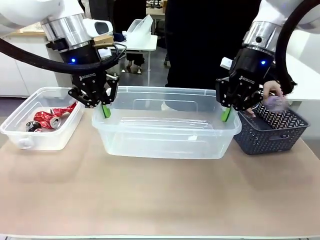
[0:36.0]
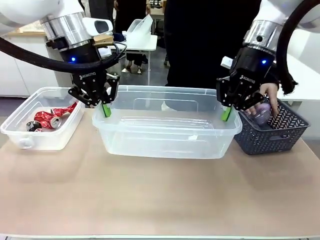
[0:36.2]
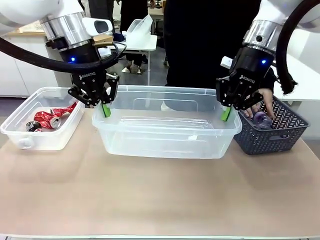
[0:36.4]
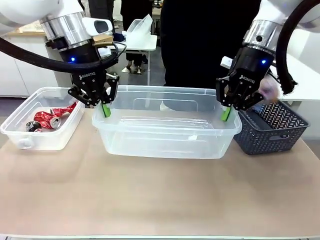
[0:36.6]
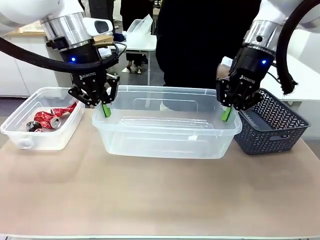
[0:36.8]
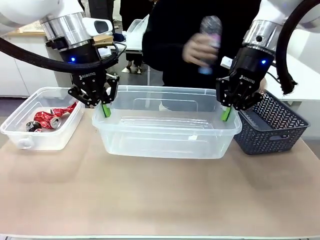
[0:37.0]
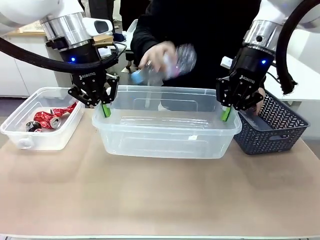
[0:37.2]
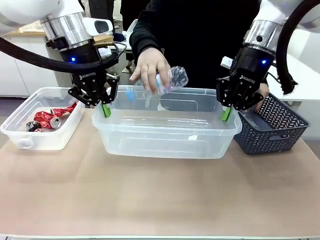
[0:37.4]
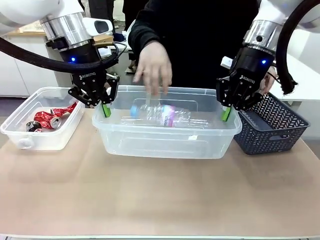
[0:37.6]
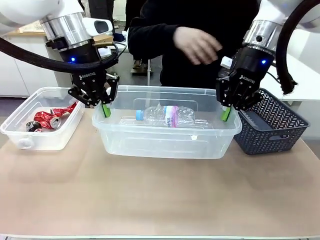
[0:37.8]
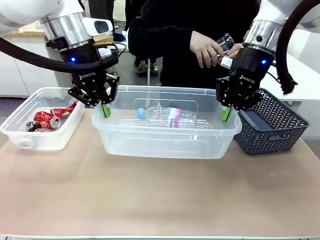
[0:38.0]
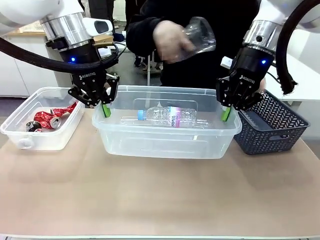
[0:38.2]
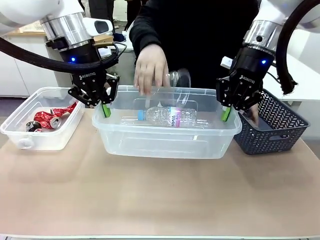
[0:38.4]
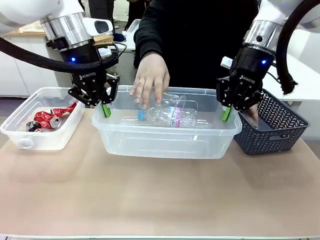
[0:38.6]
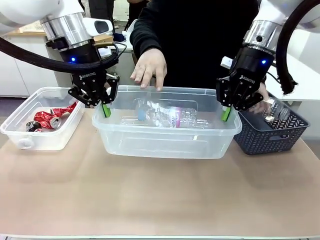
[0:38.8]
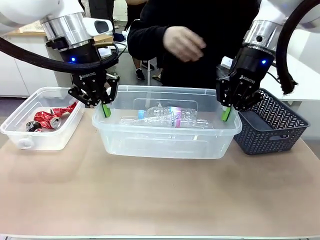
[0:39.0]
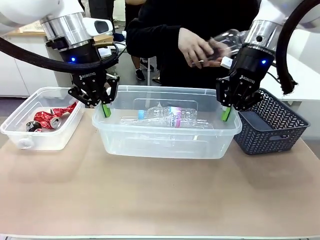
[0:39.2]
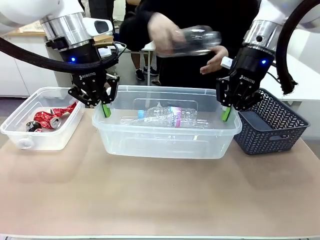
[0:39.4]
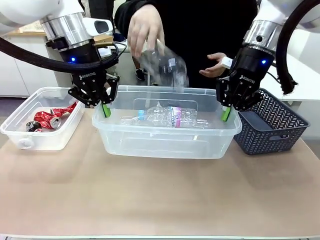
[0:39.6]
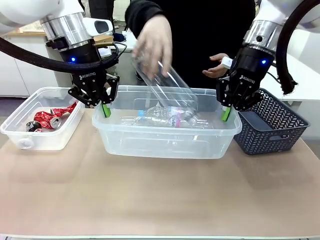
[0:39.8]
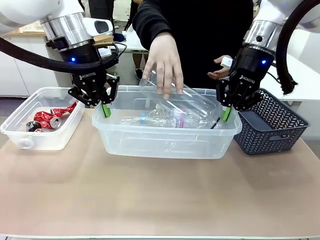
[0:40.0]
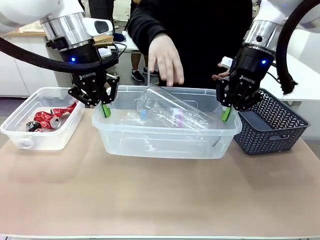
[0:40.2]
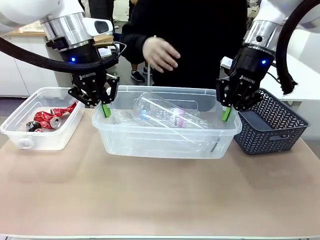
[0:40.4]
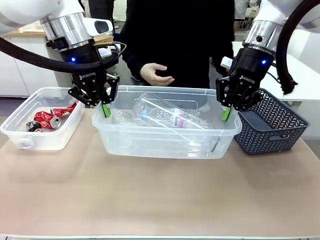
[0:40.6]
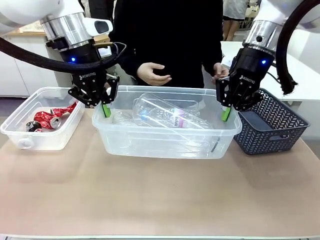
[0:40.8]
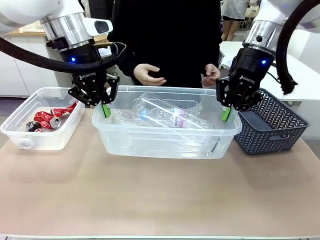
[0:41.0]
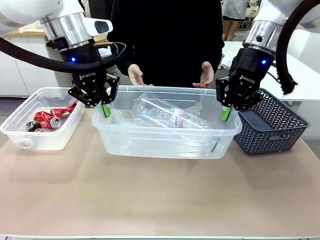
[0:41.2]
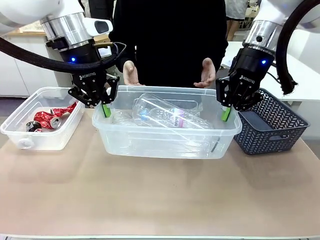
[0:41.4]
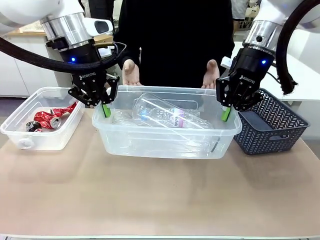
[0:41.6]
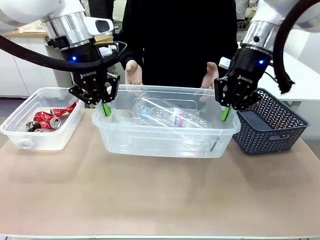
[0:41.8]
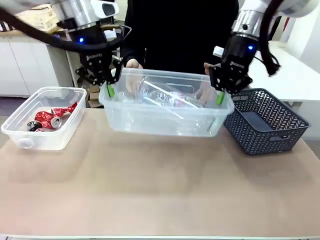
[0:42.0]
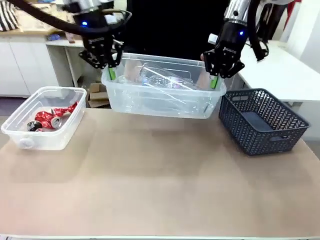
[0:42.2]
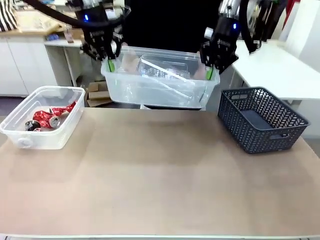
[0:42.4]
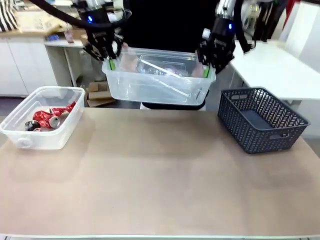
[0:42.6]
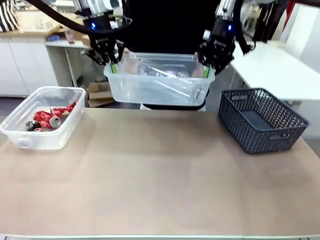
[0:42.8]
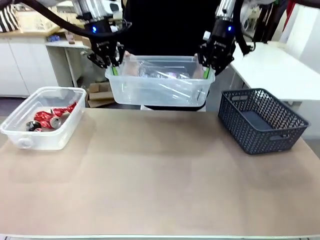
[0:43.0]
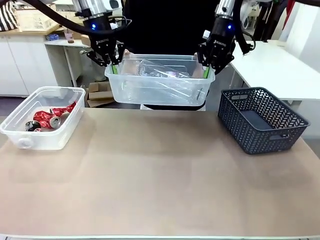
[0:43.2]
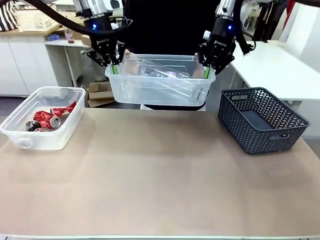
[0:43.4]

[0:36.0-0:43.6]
Robot: Offer the picked Organizing box to the human.

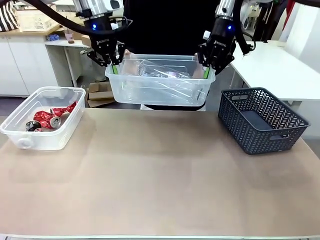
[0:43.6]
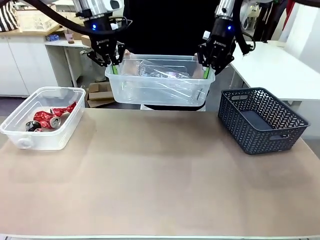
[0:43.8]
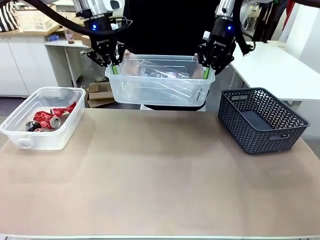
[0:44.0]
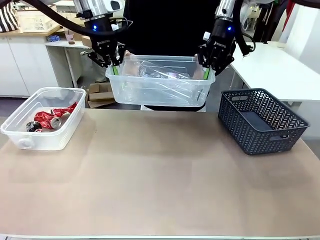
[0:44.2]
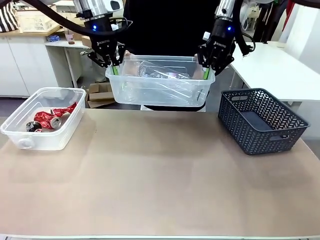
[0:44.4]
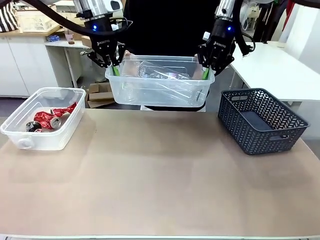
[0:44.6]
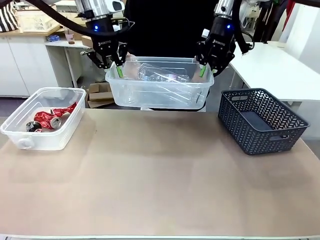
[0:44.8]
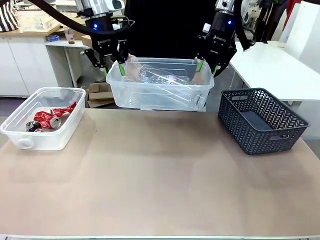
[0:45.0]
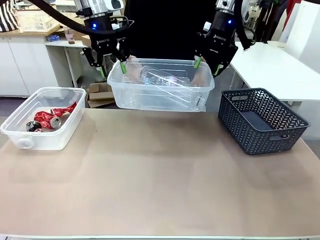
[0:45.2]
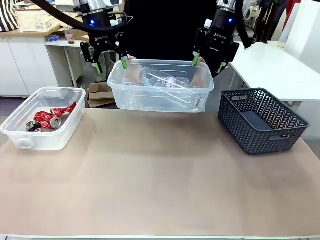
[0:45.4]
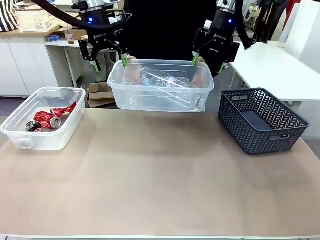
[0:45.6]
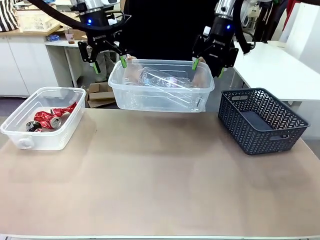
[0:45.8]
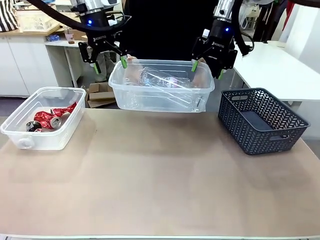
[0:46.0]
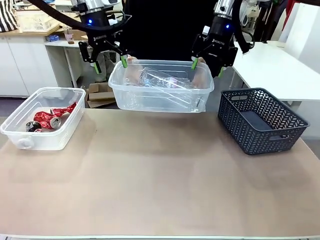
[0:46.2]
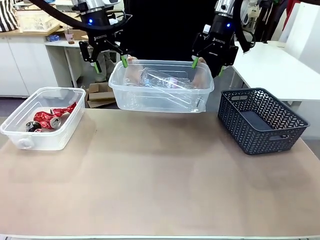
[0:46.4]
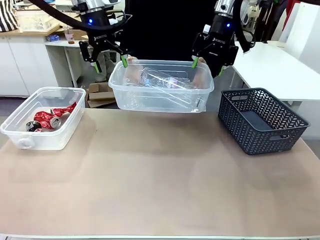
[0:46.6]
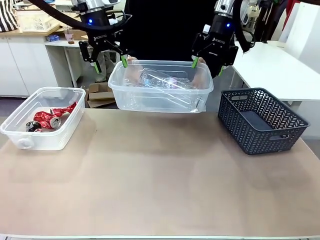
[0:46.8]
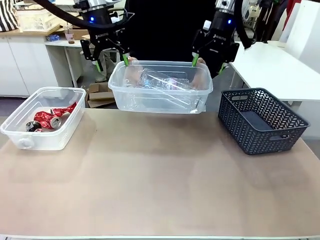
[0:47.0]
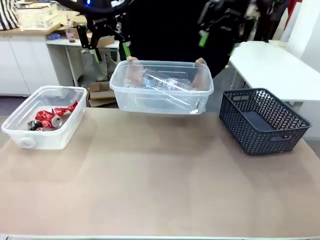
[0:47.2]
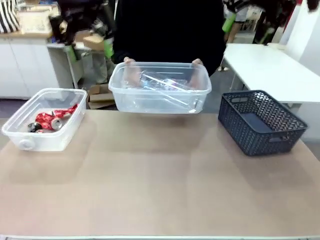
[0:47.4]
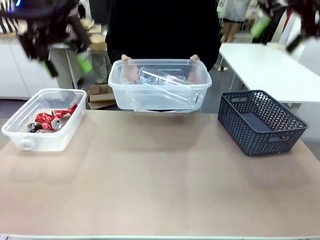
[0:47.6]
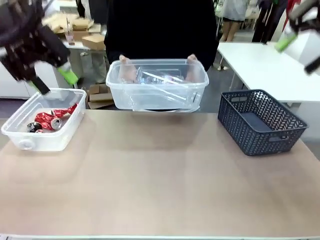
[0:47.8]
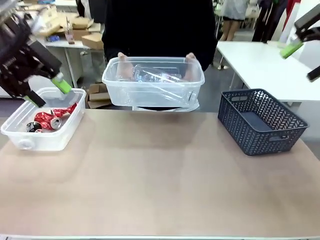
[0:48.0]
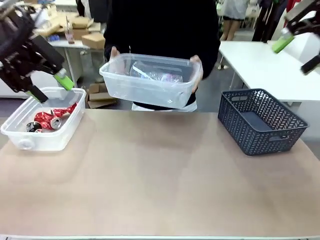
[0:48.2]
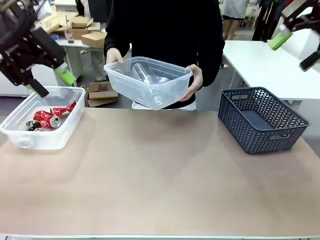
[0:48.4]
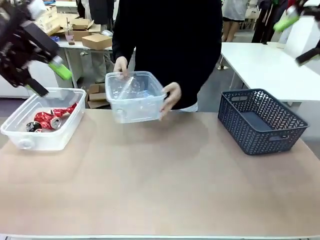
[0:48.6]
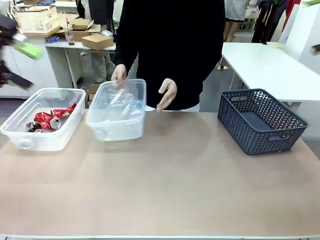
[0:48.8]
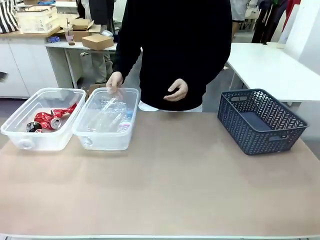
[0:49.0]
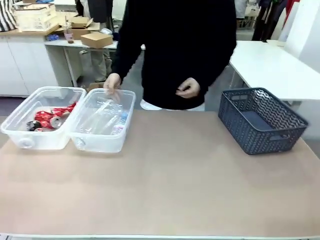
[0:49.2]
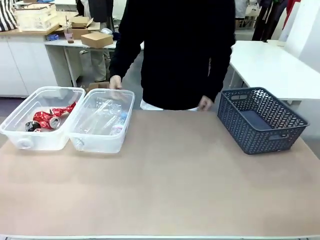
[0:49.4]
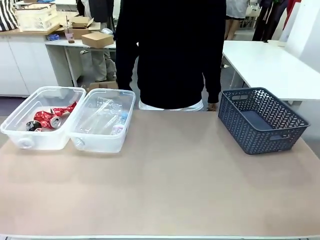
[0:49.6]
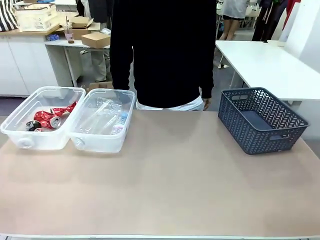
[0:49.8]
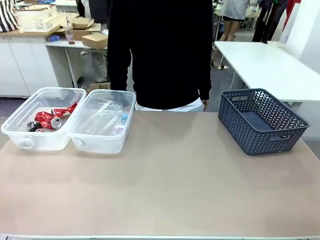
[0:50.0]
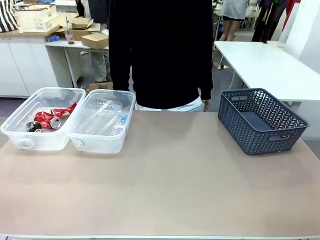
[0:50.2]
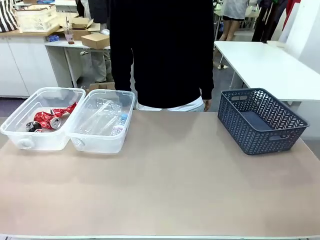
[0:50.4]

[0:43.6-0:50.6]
Robot: Release the Organizing box you were holding.
Person: Pick up the organizing box extended by the robot. Place the organizing box to the left of the sorting box containing the can waste.

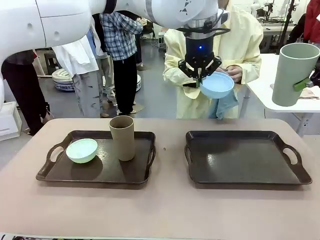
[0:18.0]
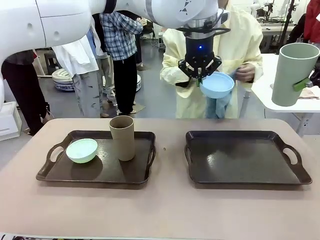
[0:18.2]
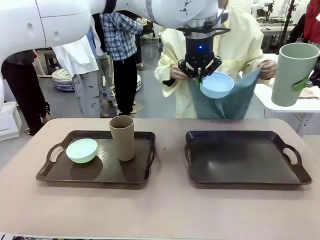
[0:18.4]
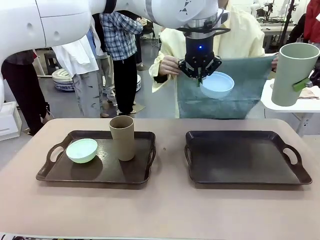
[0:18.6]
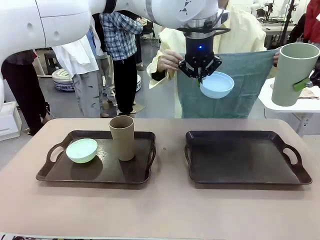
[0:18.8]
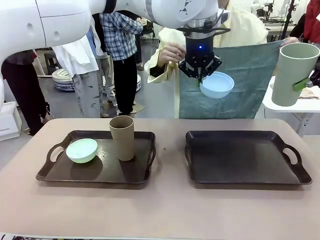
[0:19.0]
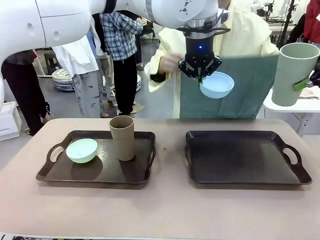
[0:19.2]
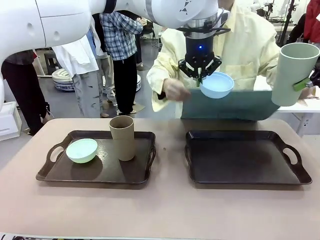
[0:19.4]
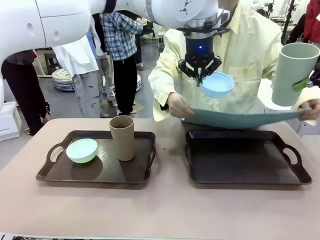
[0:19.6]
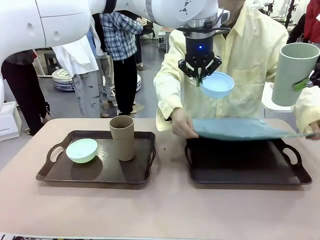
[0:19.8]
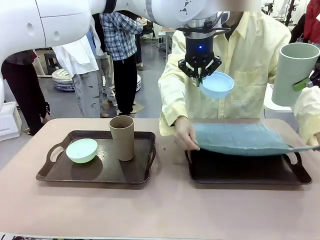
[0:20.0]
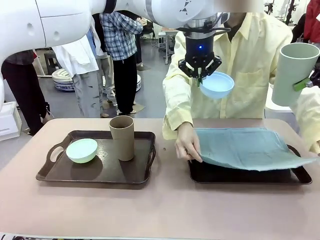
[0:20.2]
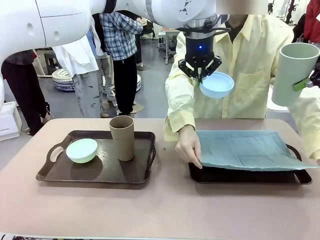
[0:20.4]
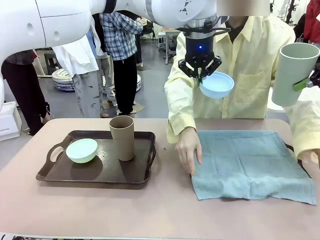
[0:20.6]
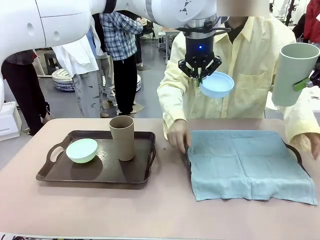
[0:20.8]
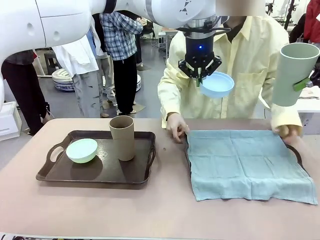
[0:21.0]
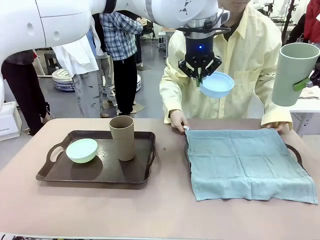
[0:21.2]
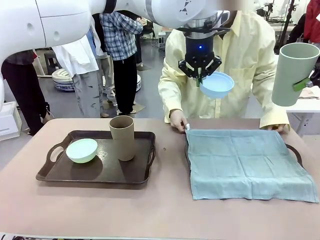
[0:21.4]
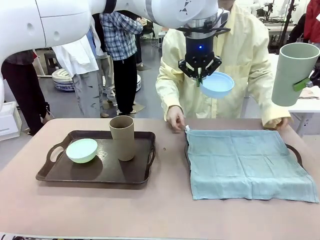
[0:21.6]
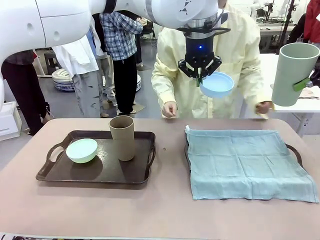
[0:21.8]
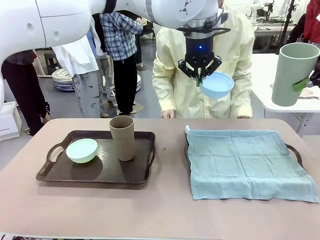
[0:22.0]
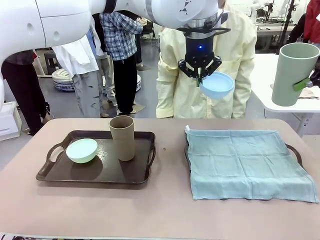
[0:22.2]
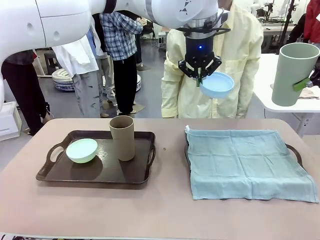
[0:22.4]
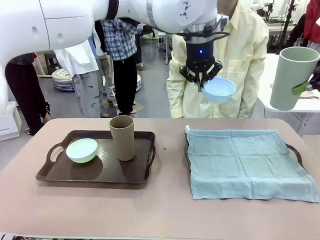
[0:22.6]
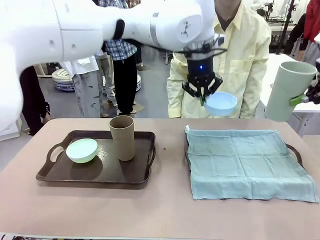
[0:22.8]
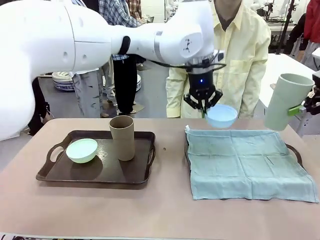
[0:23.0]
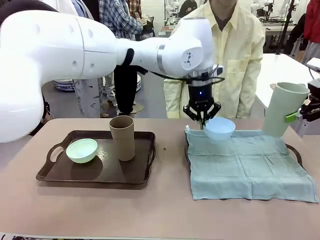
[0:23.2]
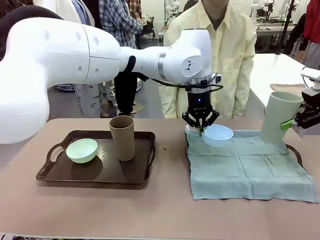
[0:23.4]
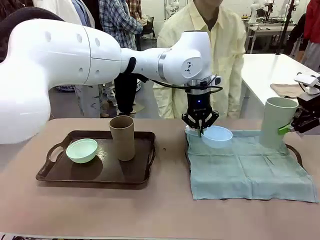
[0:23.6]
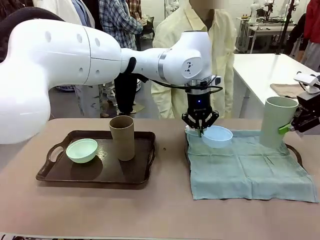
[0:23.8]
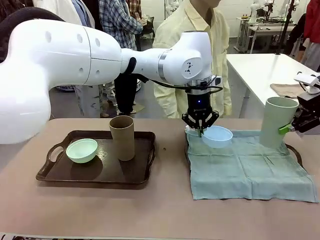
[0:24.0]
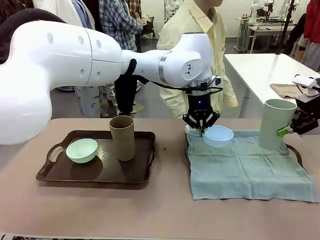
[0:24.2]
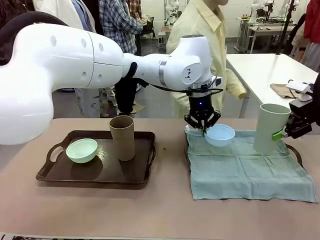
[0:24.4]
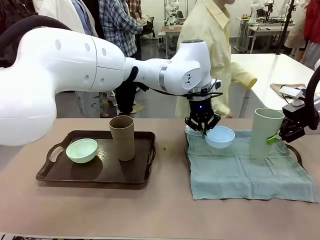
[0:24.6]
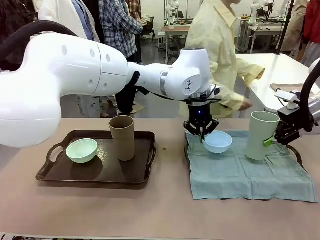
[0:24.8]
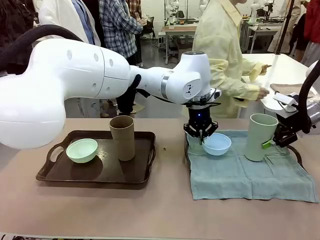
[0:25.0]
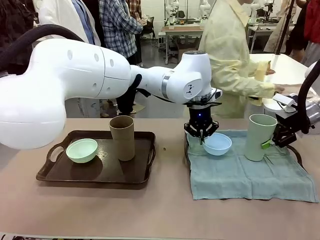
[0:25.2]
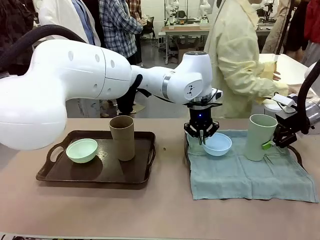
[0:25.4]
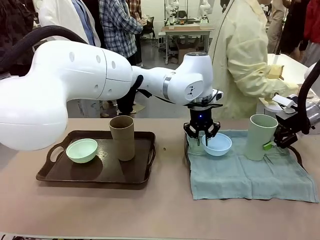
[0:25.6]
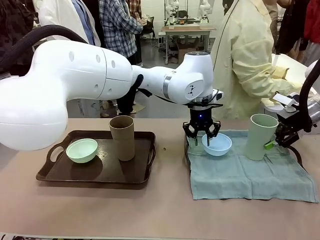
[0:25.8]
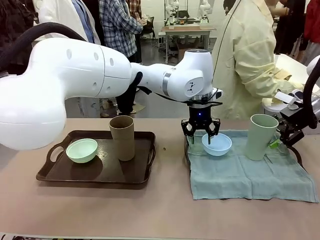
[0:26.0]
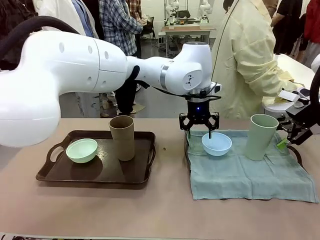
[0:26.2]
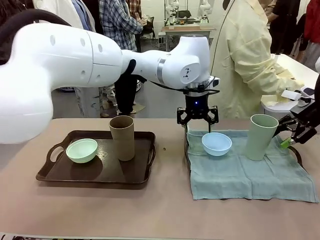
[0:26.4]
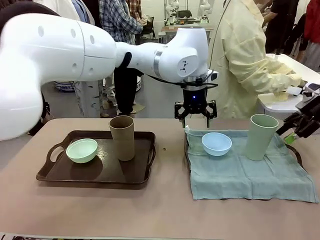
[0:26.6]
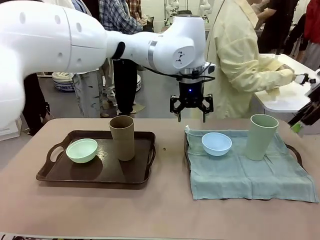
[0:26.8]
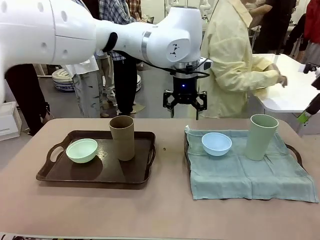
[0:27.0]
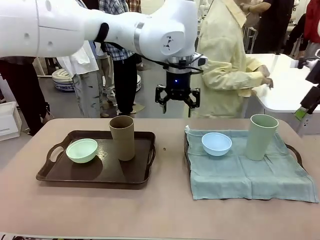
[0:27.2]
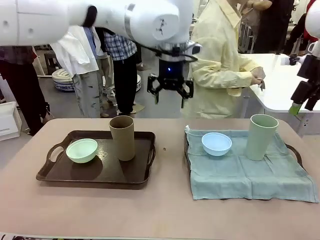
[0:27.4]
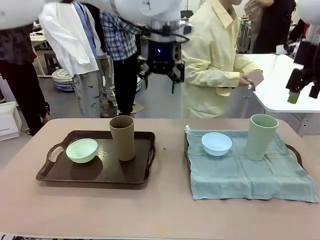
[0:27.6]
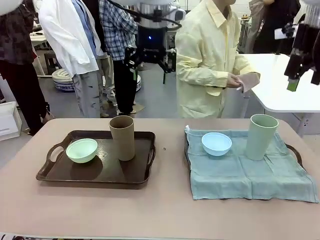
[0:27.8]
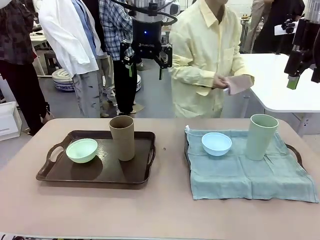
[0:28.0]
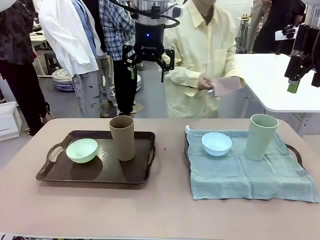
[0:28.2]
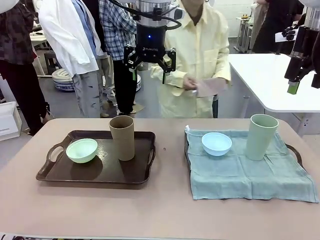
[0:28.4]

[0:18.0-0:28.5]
Robot: Place the Picnic Bowl and Reusable plastic cup back onto the Handle tray in front of the human's position.
Person: The human returns to the human table to pick up another napkin and walks to the robot table to stand in front of the tray without a napkin.
